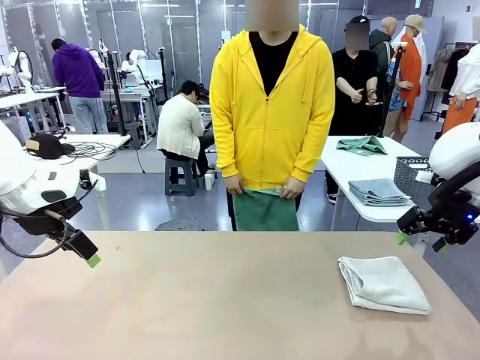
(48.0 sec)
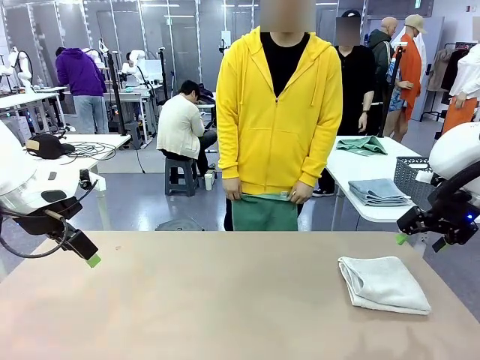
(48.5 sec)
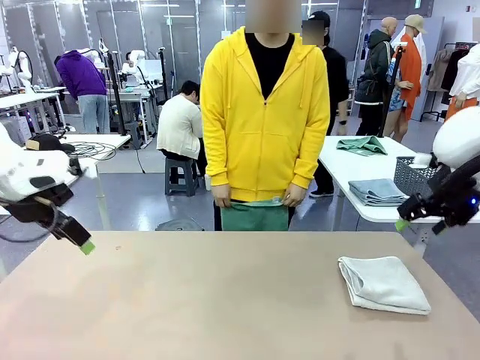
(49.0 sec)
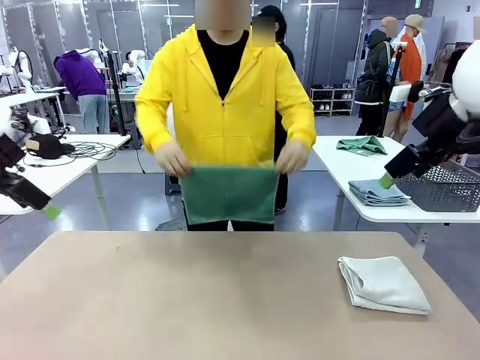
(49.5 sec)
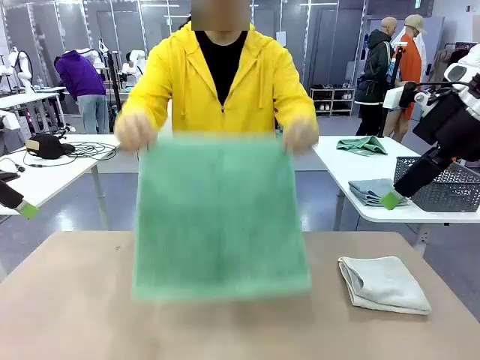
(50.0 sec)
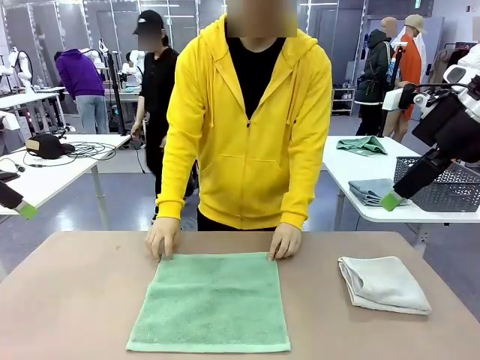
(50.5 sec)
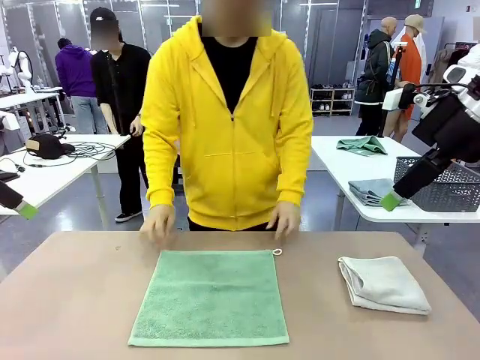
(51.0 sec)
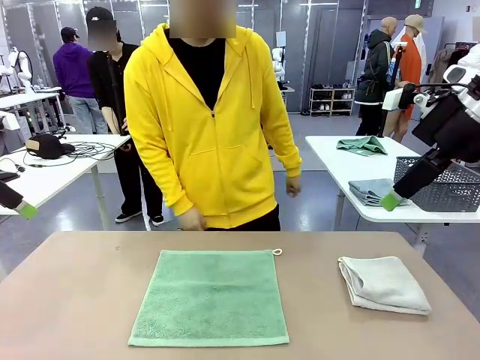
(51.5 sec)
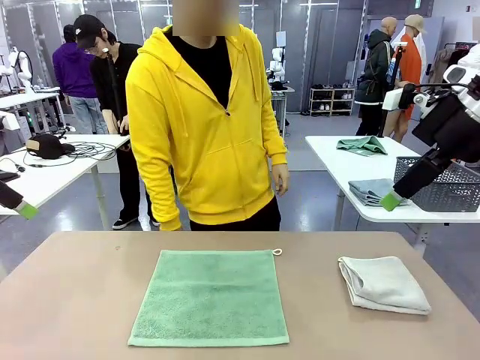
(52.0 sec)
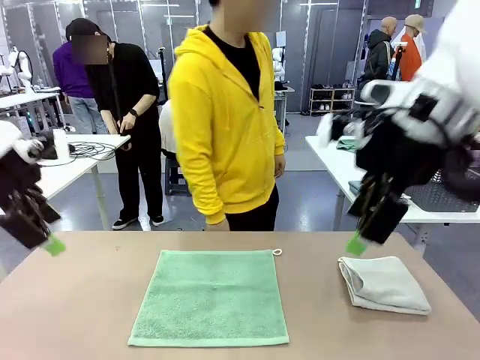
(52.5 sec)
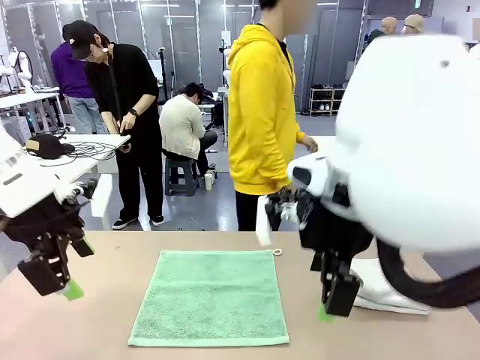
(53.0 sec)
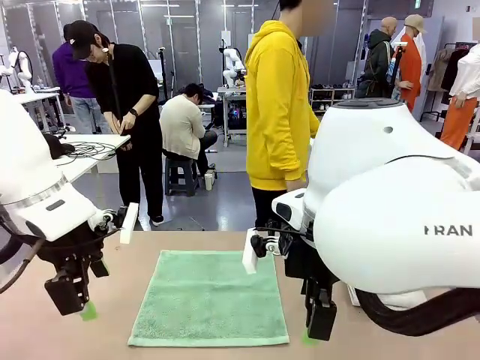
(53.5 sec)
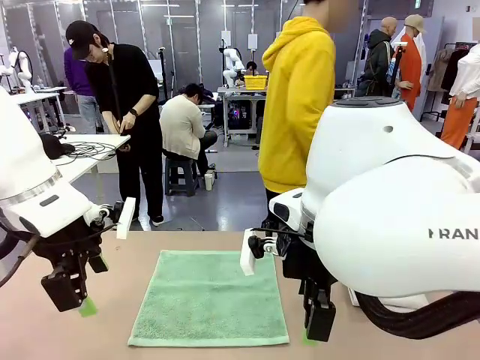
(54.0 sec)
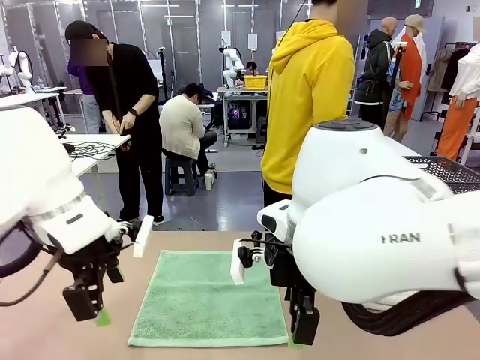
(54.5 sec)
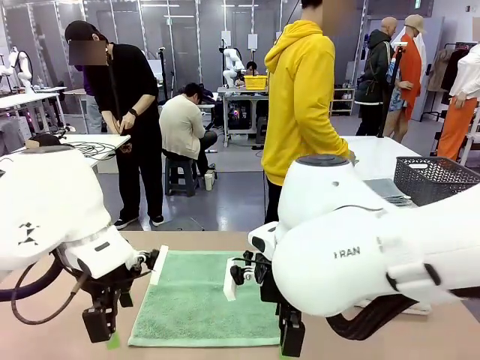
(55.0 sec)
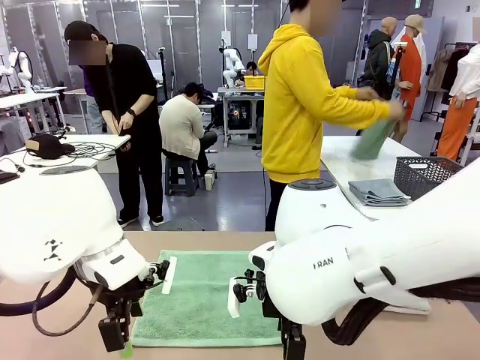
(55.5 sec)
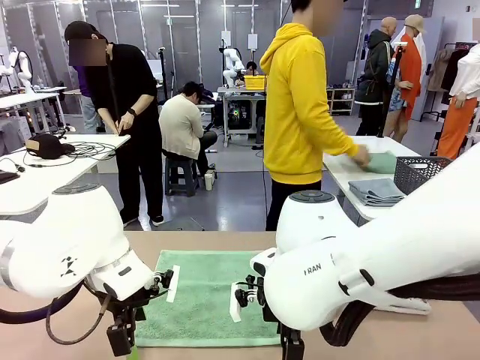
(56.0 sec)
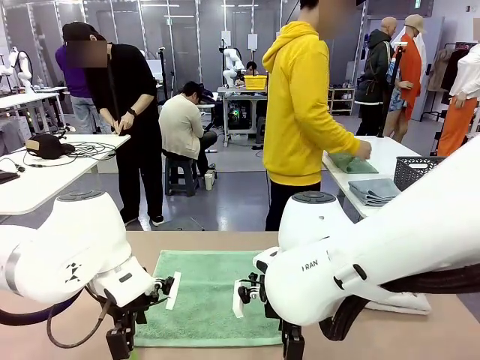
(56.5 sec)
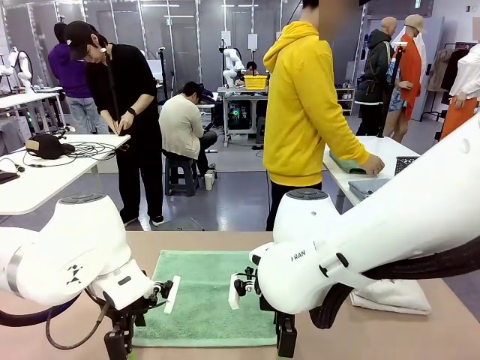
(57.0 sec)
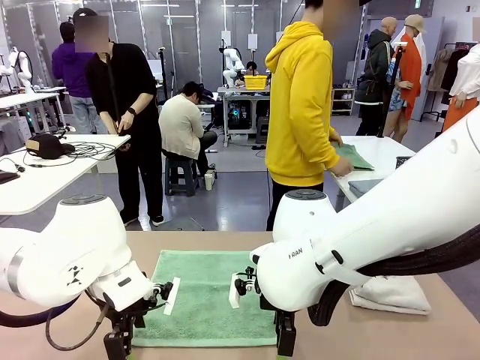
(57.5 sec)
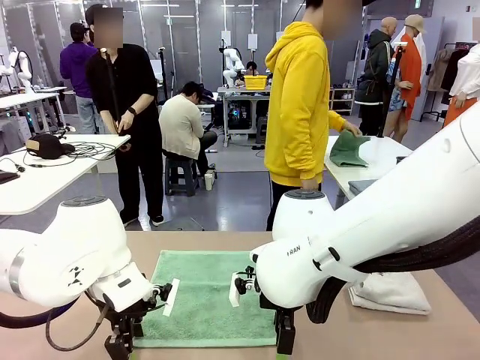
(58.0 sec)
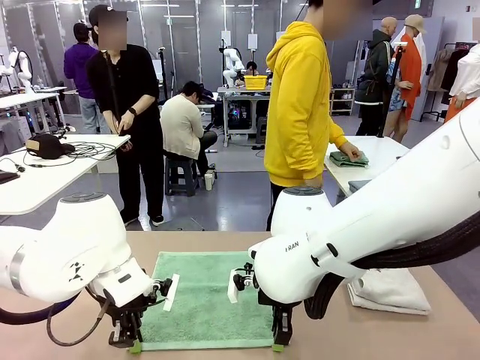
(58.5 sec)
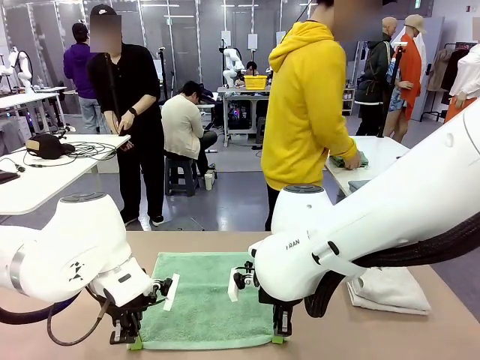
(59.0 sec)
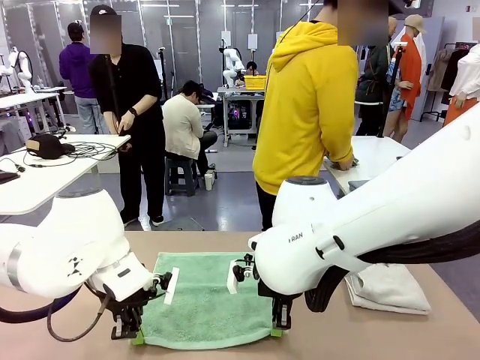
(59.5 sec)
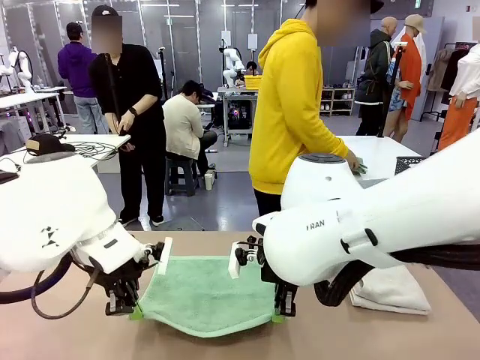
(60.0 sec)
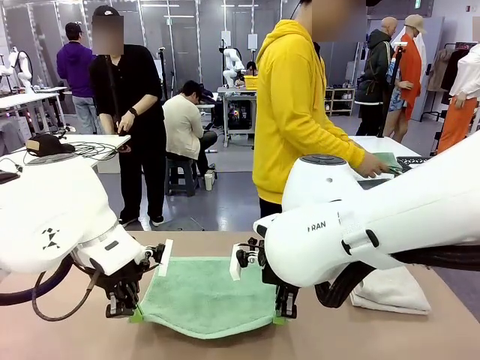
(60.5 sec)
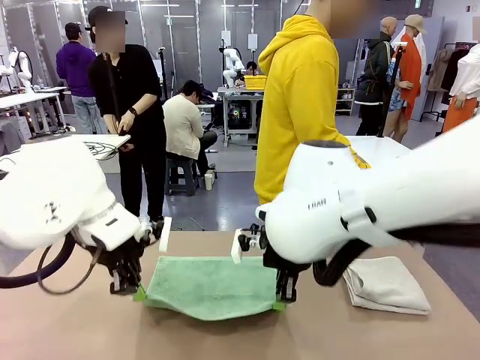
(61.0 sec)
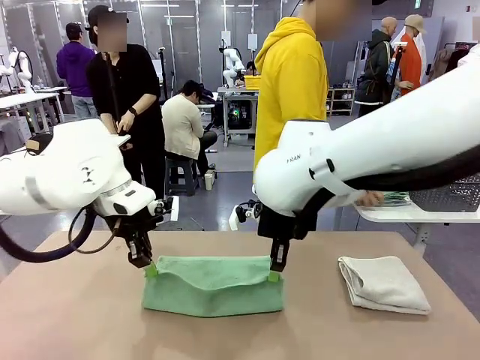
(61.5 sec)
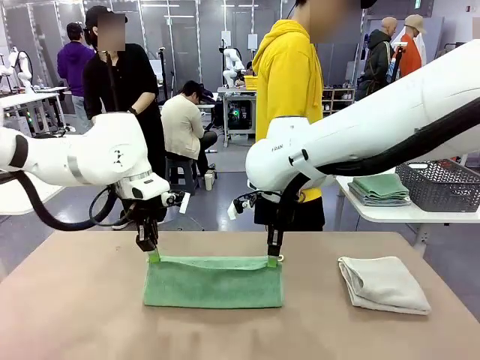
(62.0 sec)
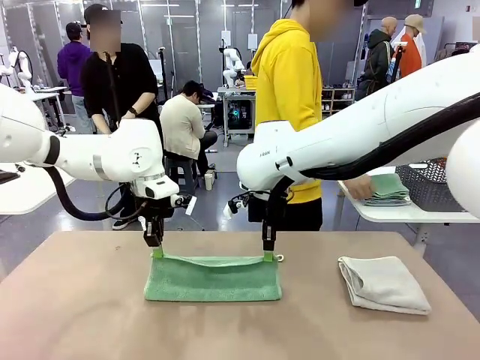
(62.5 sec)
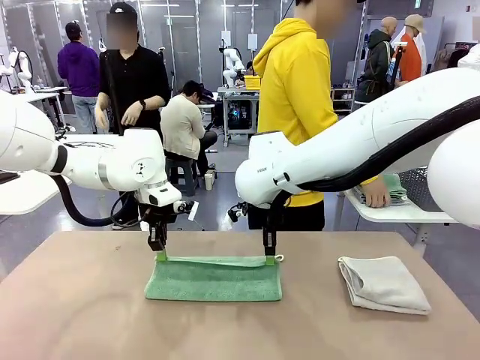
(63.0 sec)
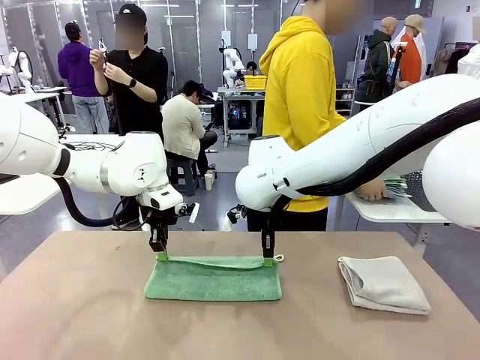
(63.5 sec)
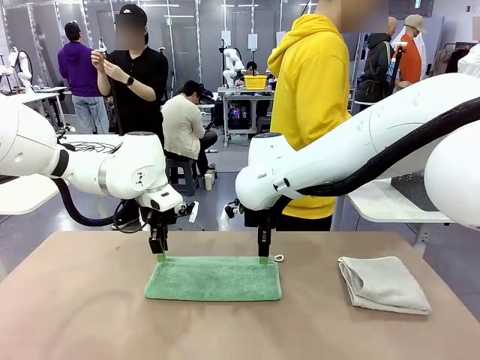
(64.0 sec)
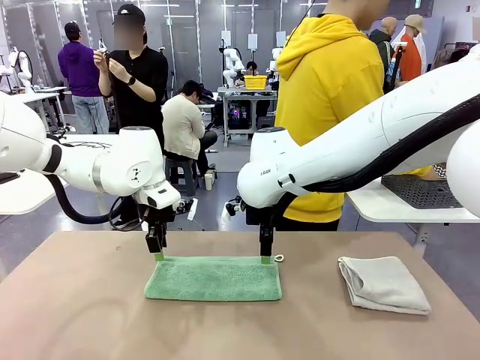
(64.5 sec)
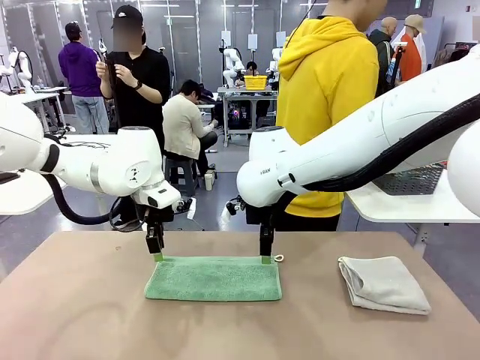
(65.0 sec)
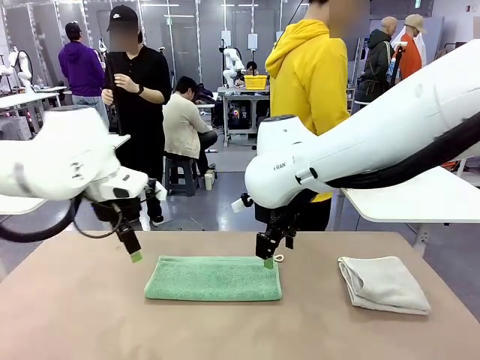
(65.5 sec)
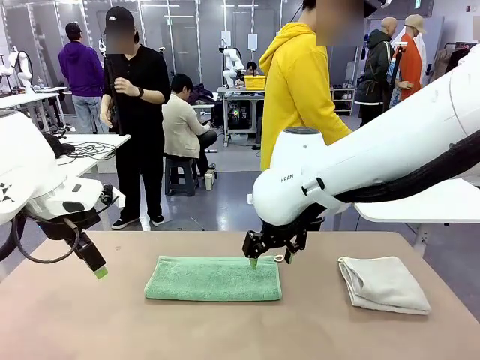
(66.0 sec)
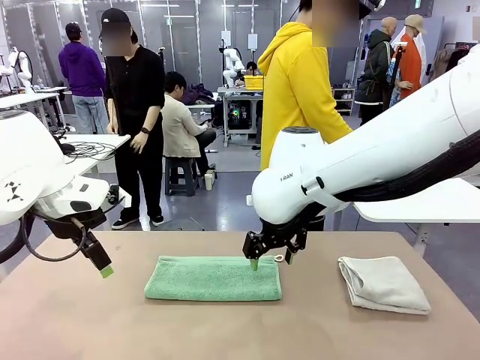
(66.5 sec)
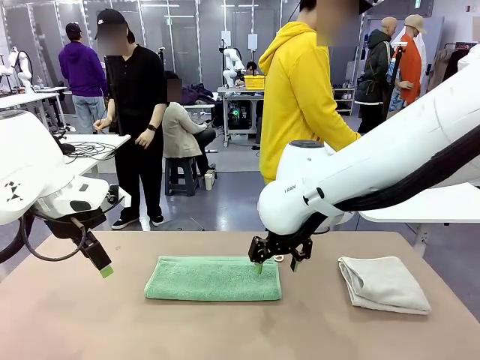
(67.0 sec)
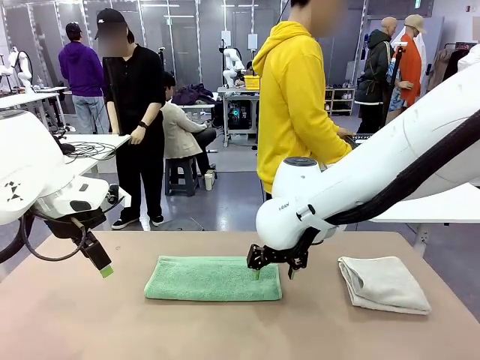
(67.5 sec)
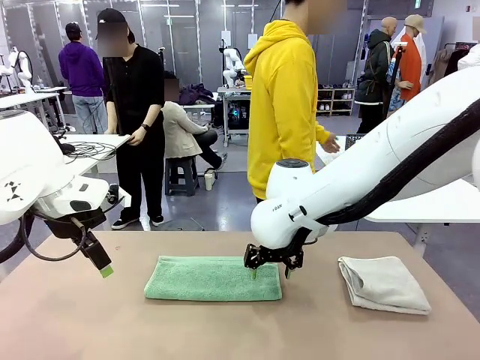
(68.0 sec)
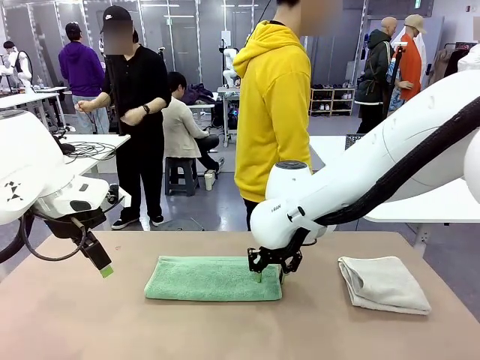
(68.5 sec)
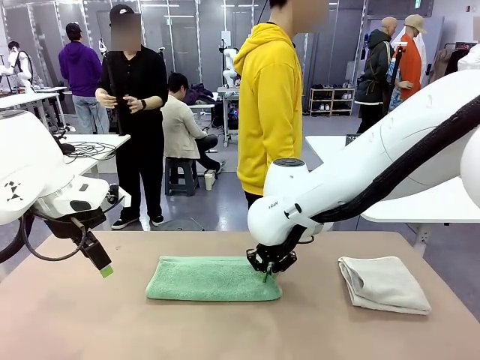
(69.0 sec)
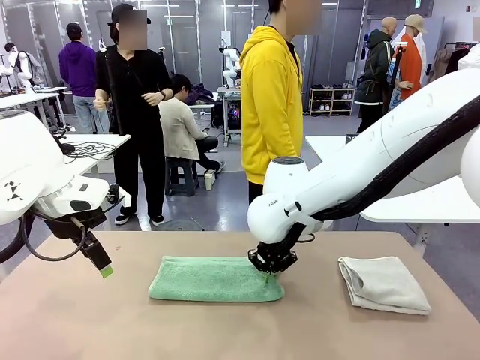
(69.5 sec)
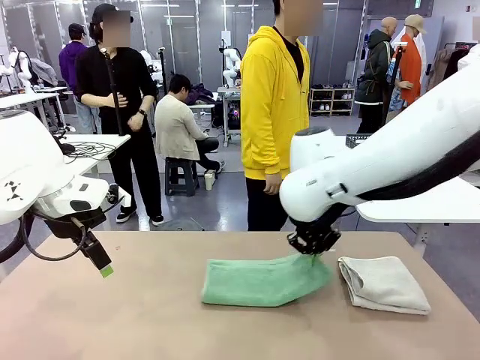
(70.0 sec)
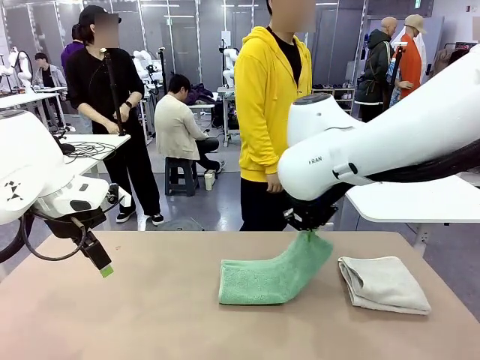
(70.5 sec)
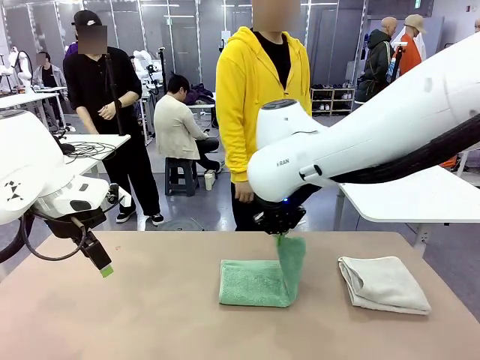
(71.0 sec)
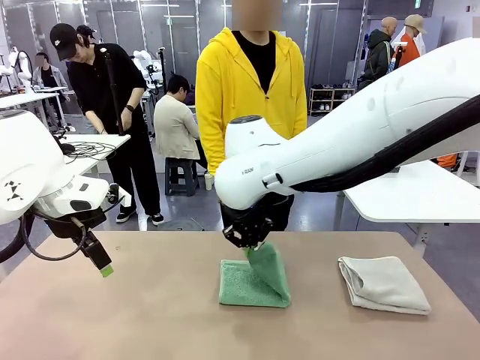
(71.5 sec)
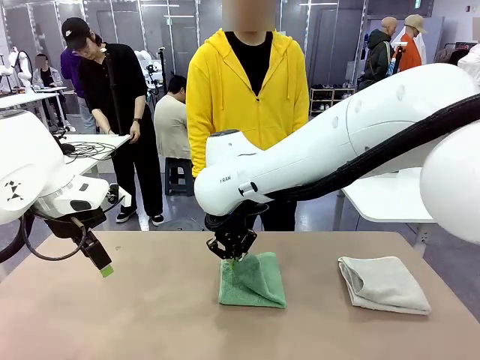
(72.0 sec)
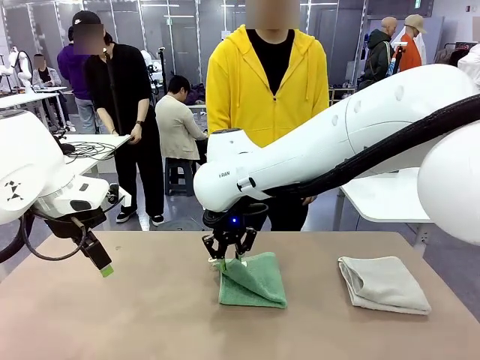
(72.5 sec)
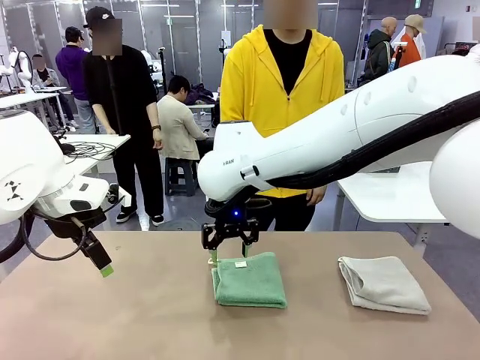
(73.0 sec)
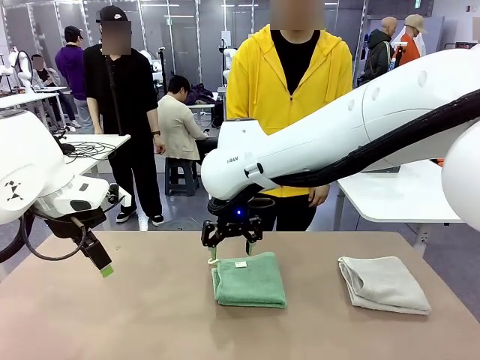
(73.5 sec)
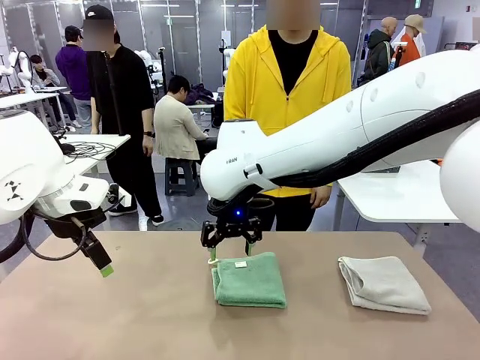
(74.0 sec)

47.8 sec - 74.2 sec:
Task: Fold the towels and place them in the basket.
Robot: When a person lays out a Towel with hook on the table, fold it in half twice.
Person: Pick up one towel from the left side of the human table, fold it in half twice, and stack it on the right side of the table. Pick up the stack of towels from the right side of the human table, place it into the basket, and put the basket at the center of the table.
